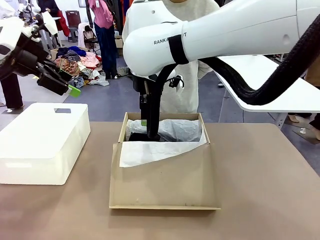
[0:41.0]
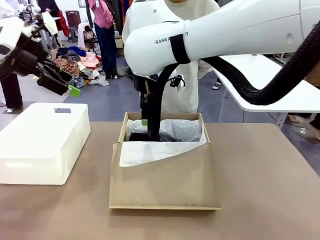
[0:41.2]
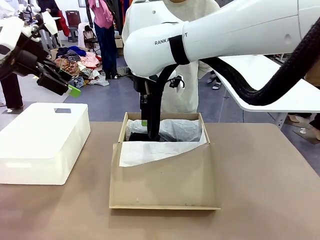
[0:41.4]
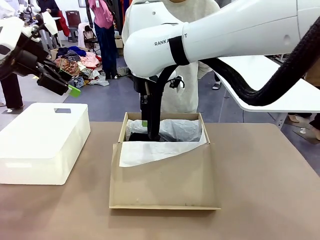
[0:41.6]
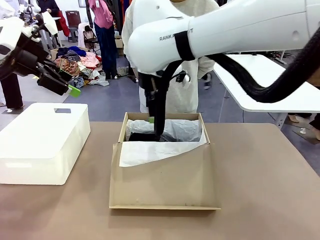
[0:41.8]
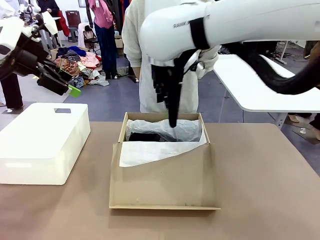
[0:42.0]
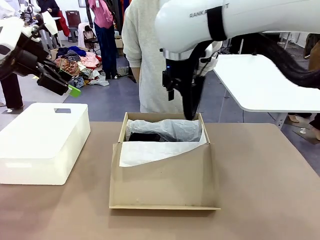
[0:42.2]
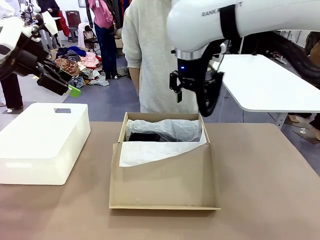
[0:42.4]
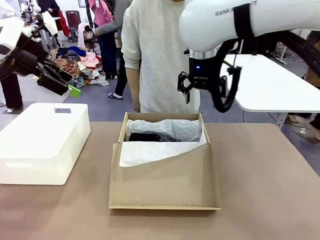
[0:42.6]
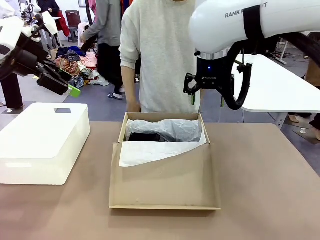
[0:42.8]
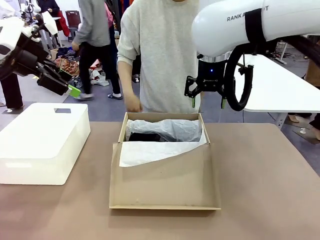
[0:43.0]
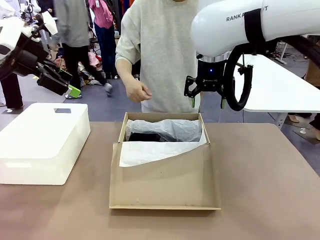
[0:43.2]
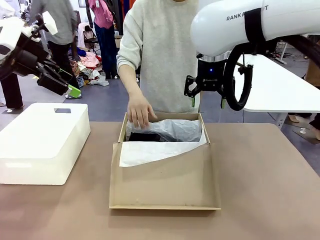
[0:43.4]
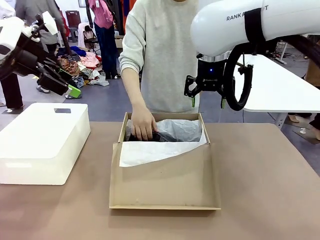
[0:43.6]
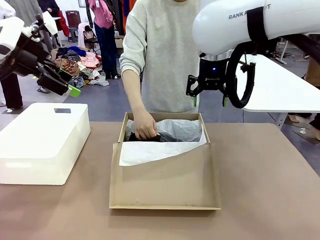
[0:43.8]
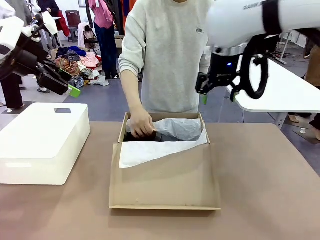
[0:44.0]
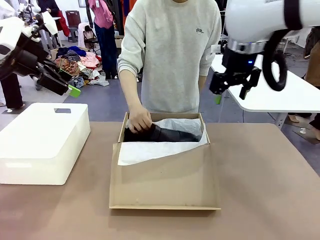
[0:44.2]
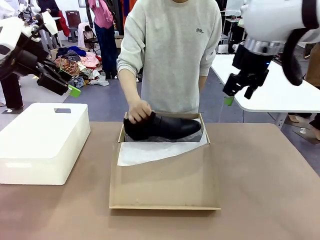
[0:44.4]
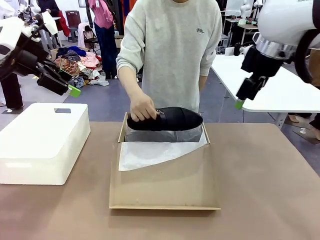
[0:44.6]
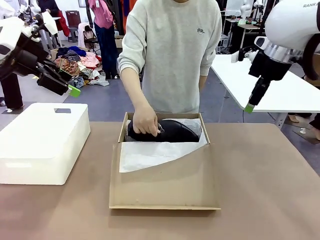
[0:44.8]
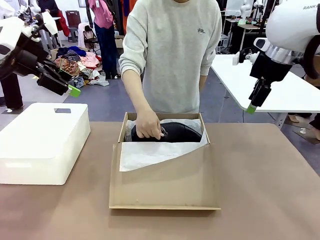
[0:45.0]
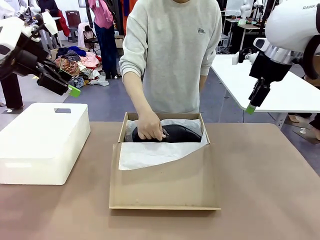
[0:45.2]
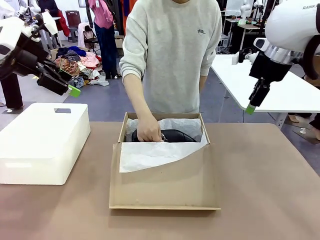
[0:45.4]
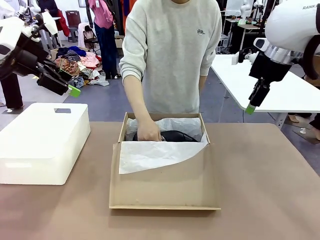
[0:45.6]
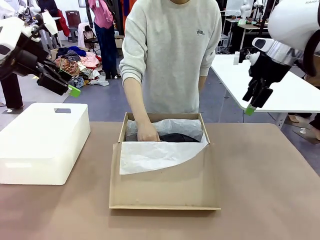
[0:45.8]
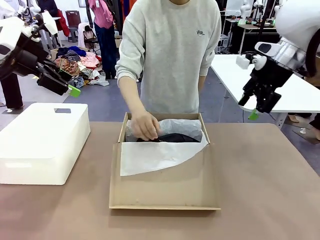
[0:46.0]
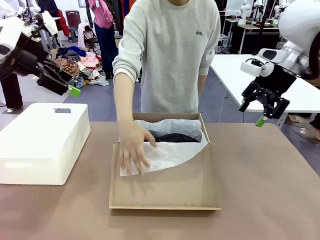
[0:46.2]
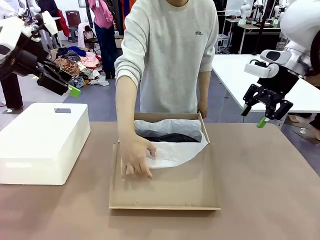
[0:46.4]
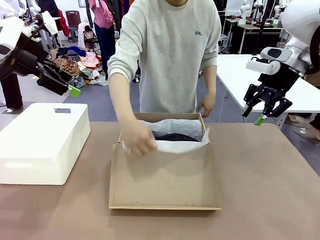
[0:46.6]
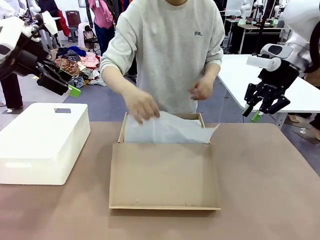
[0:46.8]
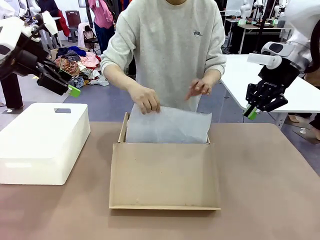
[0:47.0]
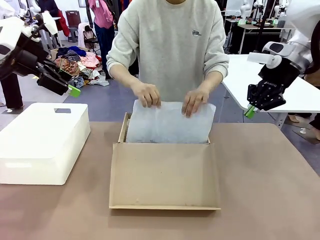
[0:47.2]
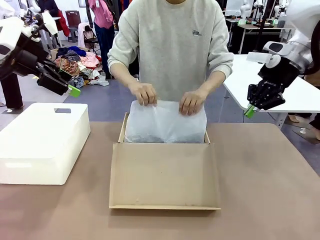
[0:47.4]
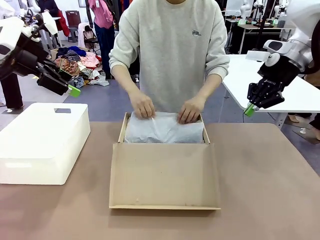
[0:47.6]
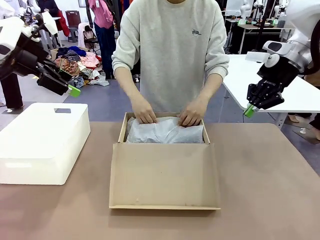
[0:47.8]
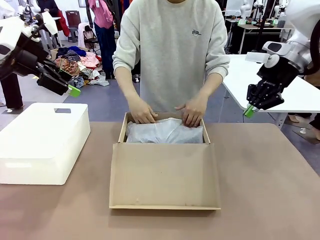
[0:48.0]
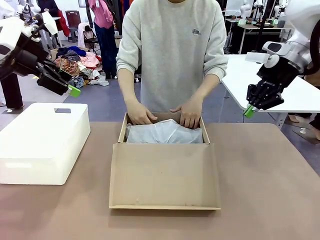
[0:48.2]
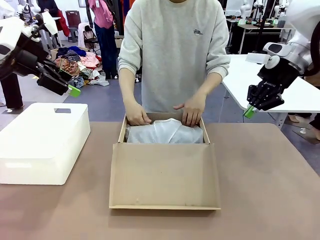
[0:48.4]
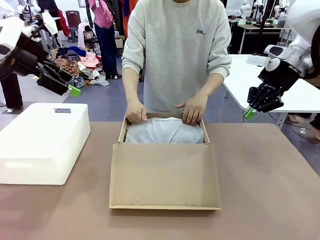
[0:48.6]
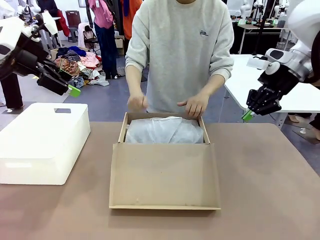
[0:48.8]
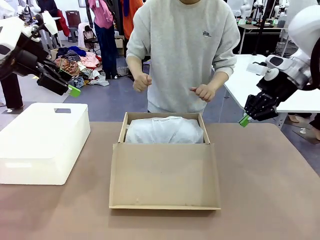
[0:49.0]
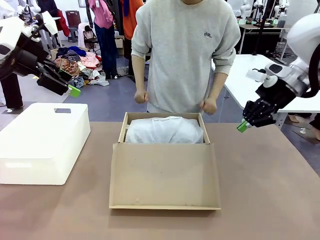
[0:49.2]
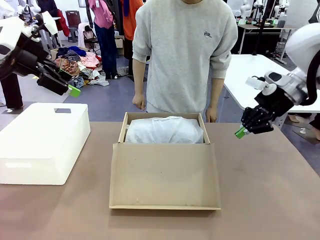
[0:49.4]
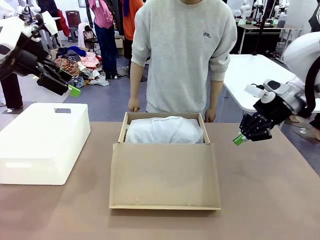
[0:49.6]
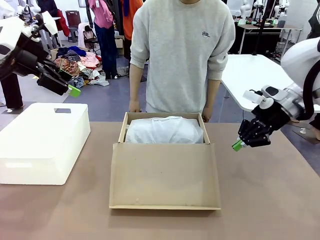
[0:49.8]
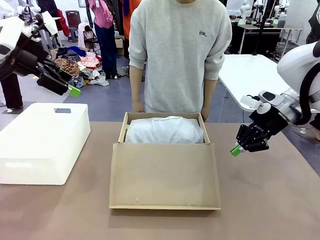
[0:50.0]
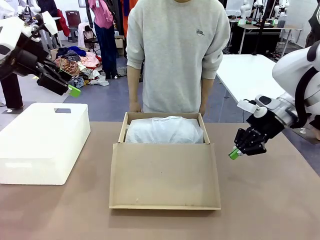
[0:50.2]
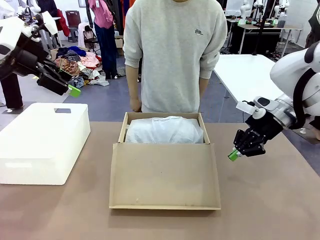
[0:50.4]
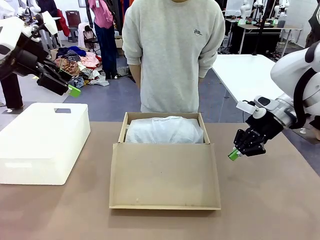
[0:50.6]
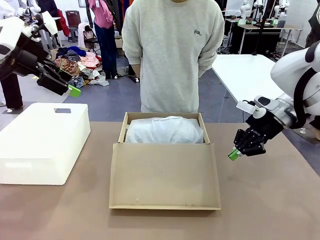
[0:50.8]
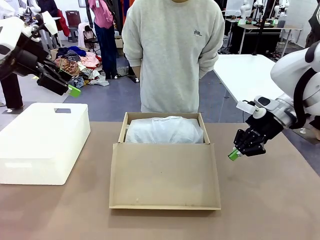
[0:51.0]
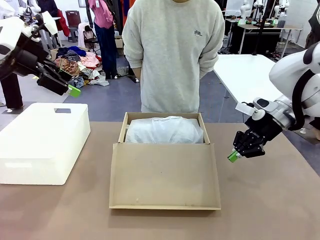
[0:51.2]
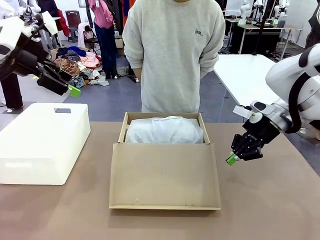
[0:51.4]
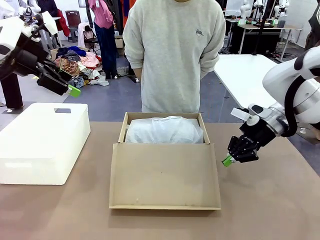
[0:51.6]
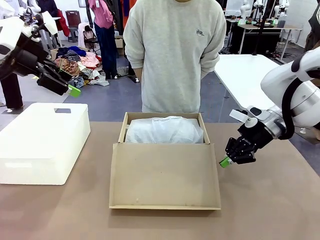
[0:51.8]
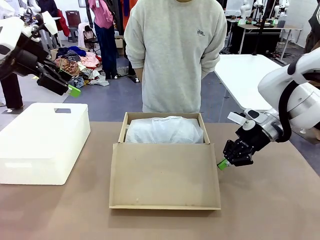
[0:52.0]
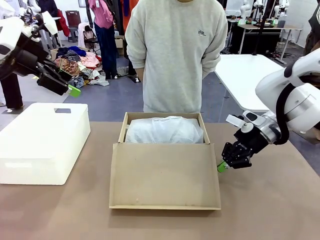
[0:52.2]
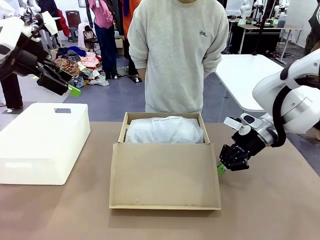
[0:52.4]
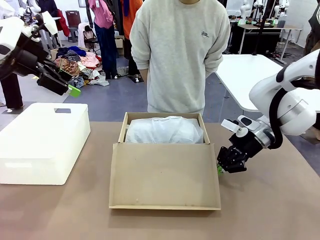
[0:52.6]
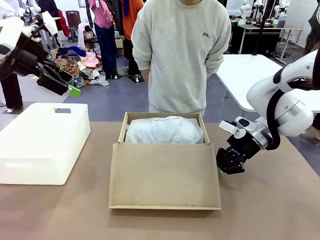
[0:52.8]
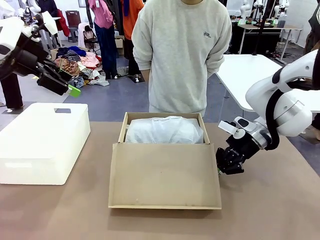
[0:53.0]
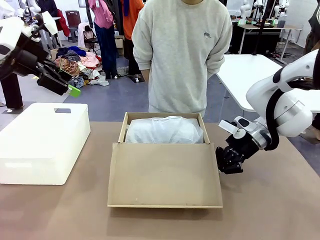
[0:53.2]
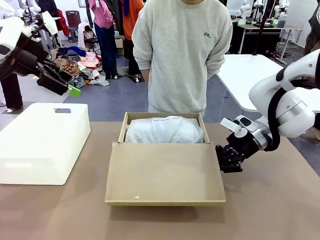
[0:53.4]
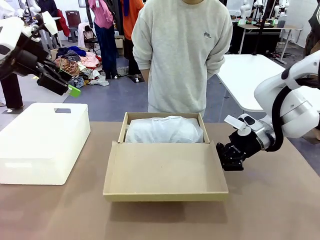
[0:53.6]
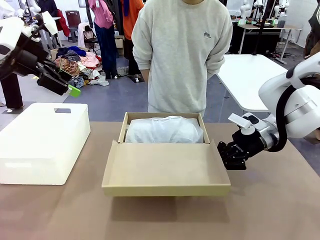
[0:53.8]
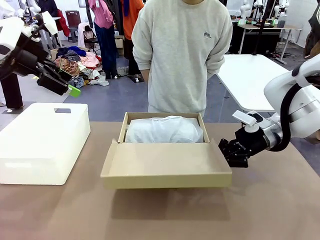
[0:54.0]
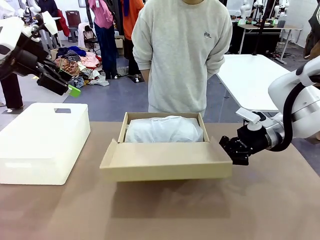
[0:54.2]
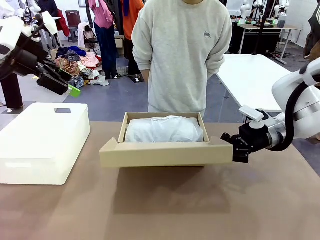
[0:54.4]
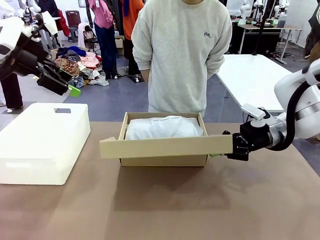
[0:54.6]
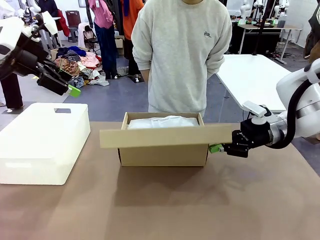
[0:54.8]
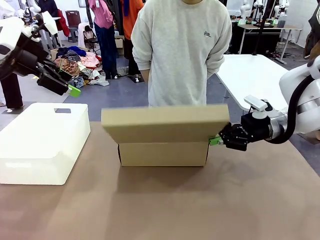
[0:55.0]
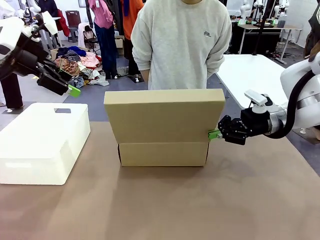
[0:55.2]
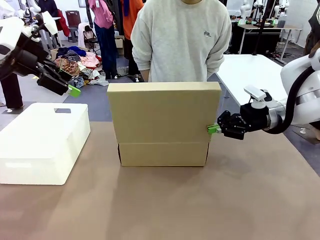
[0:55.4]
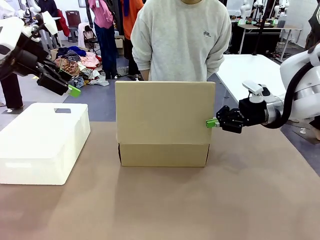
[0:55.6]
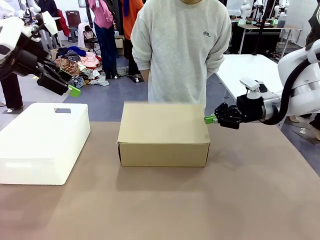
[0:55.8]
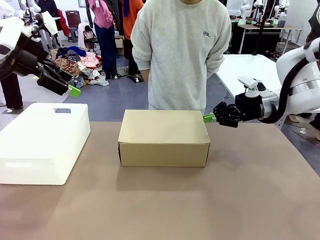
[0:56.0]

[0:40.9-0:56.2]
Task: Pack the shoes into the box.
Robot: Close the Shoes Box.
